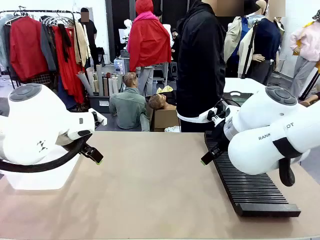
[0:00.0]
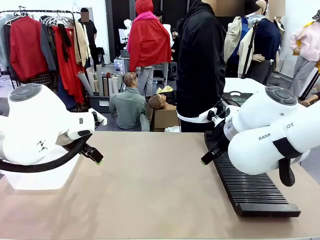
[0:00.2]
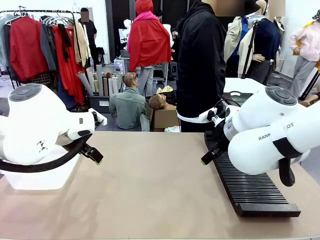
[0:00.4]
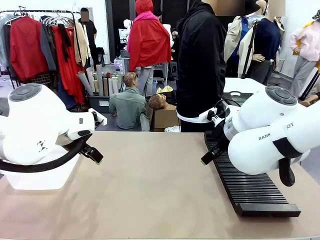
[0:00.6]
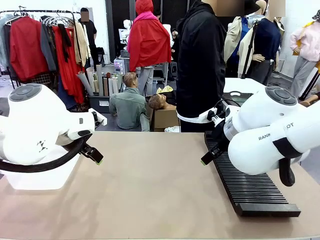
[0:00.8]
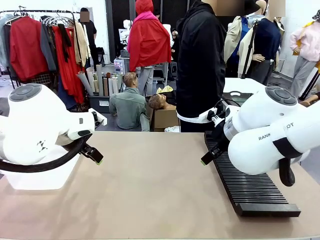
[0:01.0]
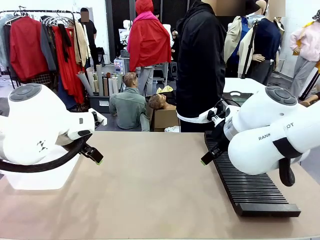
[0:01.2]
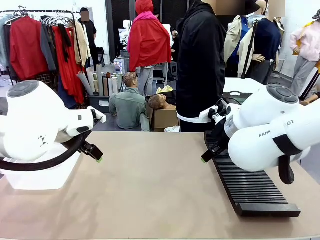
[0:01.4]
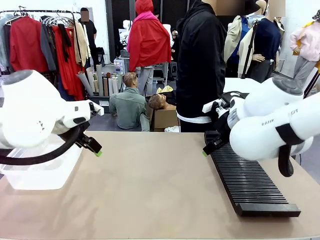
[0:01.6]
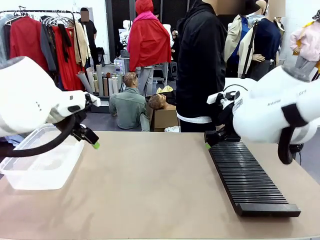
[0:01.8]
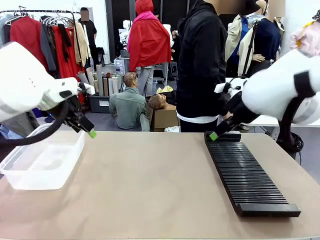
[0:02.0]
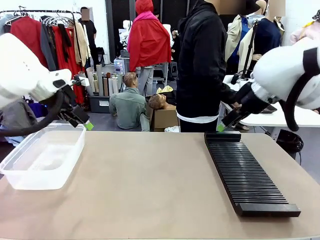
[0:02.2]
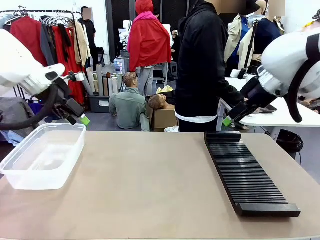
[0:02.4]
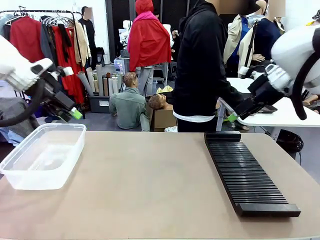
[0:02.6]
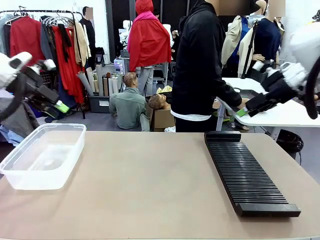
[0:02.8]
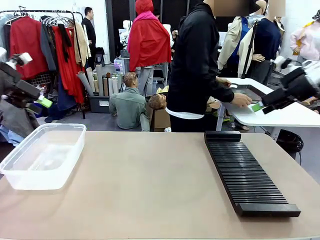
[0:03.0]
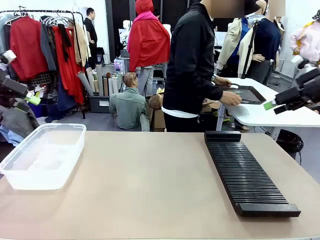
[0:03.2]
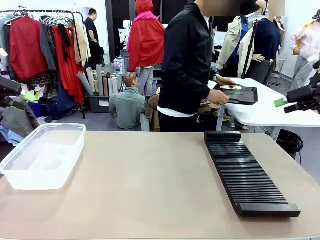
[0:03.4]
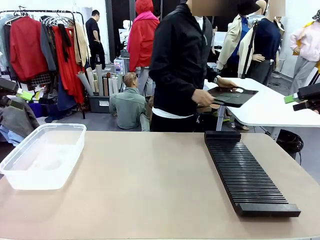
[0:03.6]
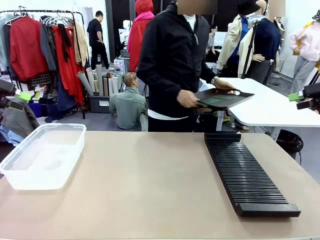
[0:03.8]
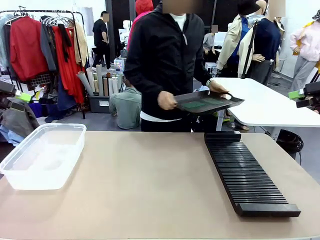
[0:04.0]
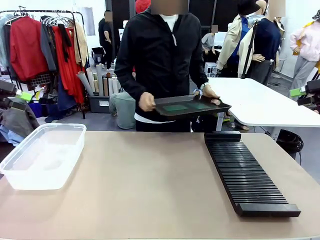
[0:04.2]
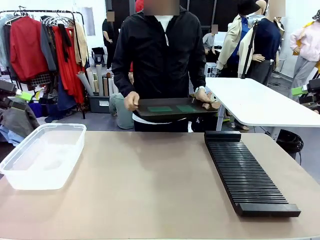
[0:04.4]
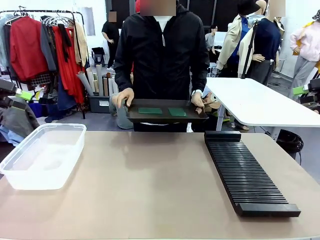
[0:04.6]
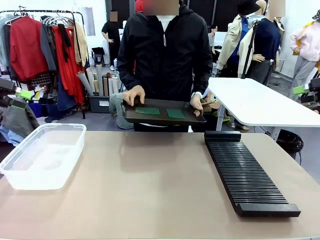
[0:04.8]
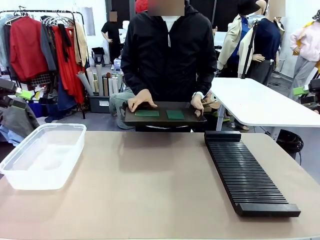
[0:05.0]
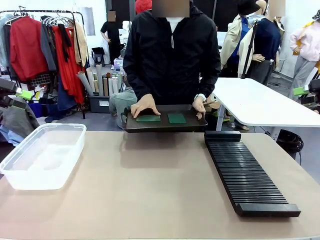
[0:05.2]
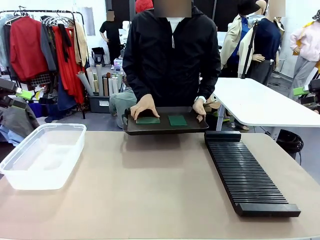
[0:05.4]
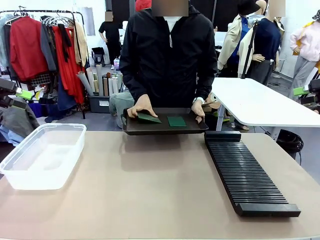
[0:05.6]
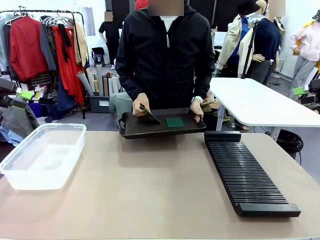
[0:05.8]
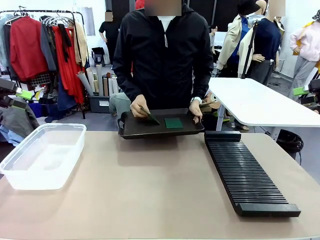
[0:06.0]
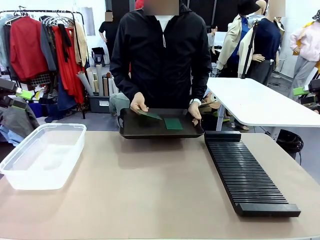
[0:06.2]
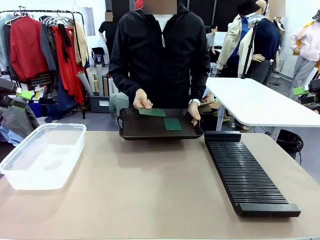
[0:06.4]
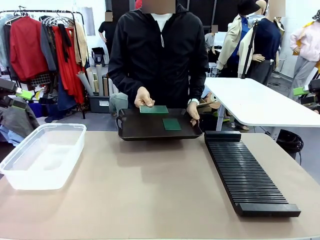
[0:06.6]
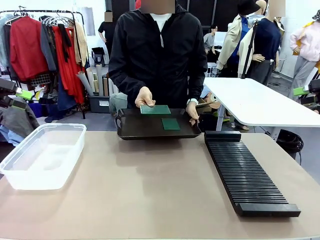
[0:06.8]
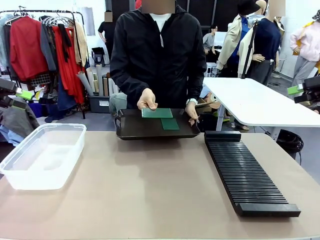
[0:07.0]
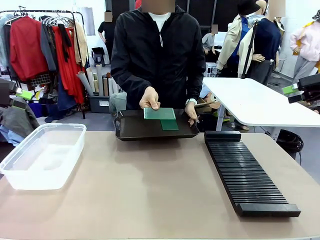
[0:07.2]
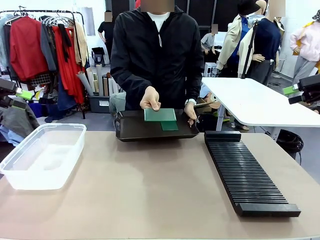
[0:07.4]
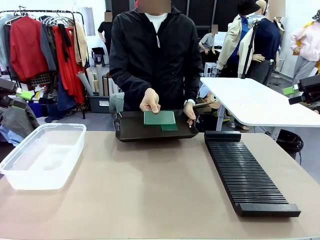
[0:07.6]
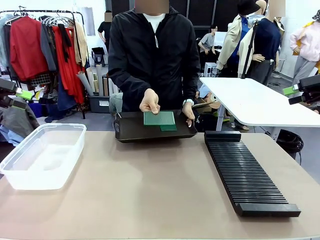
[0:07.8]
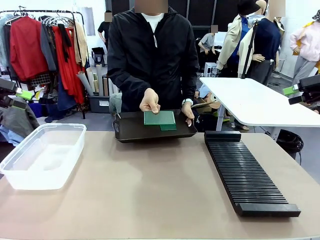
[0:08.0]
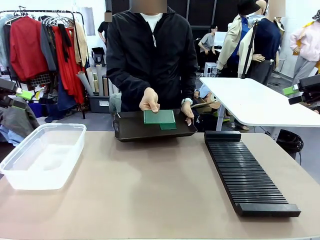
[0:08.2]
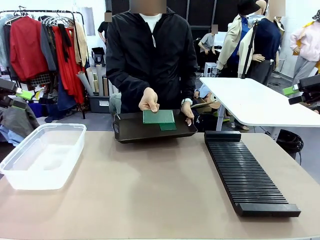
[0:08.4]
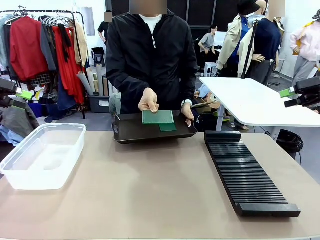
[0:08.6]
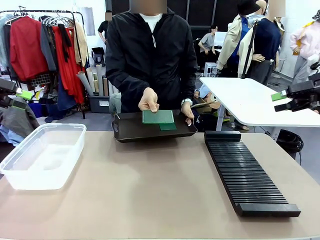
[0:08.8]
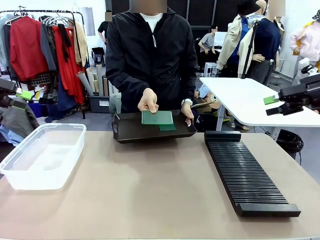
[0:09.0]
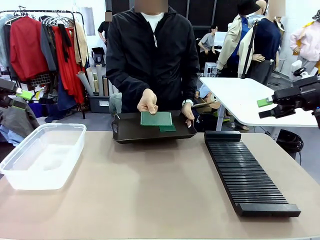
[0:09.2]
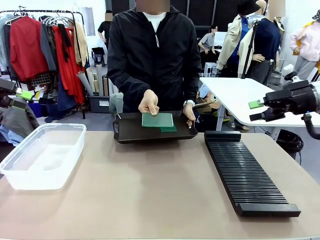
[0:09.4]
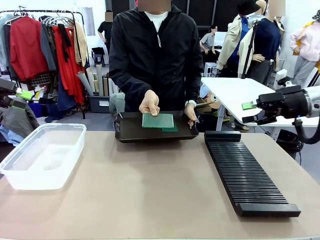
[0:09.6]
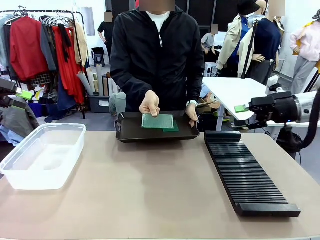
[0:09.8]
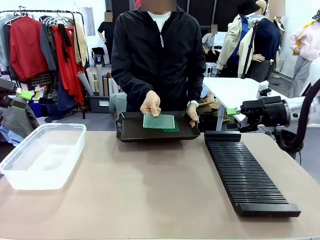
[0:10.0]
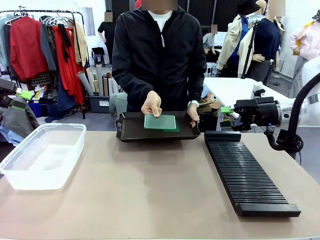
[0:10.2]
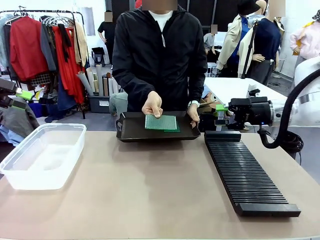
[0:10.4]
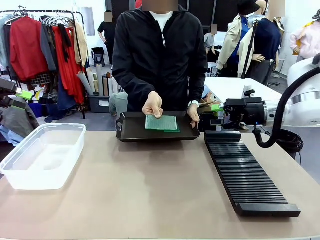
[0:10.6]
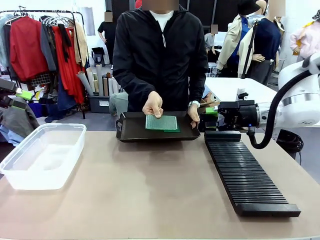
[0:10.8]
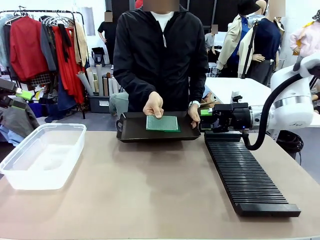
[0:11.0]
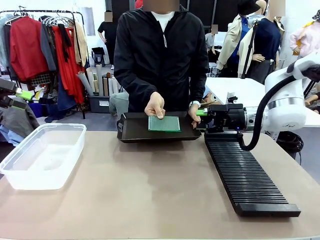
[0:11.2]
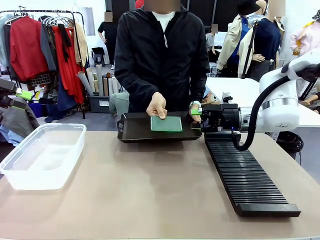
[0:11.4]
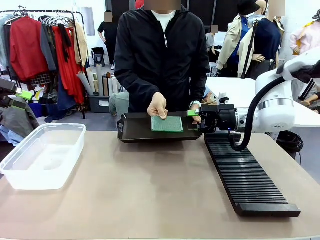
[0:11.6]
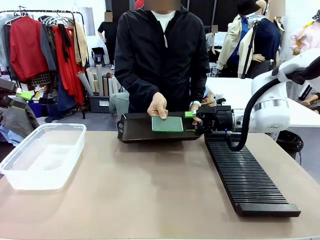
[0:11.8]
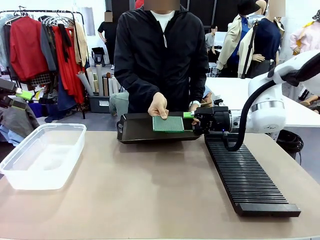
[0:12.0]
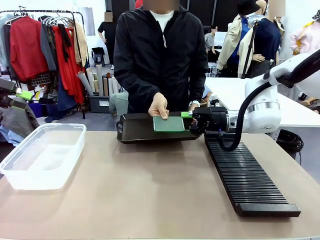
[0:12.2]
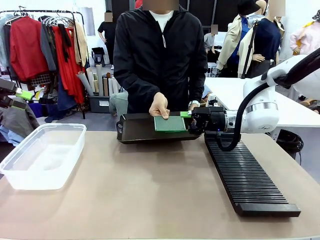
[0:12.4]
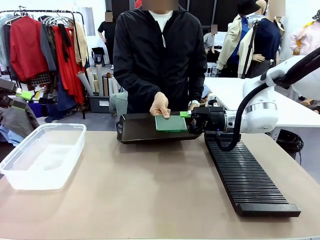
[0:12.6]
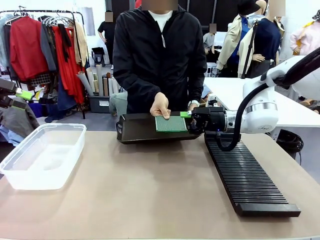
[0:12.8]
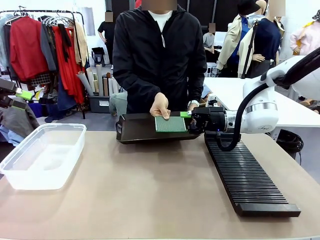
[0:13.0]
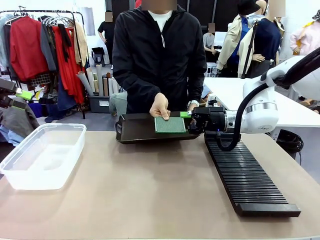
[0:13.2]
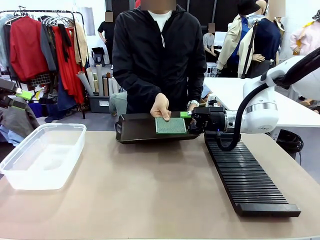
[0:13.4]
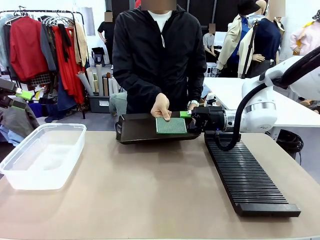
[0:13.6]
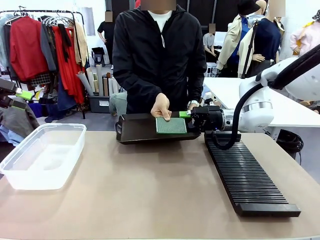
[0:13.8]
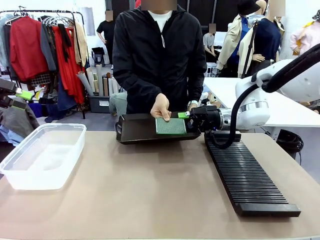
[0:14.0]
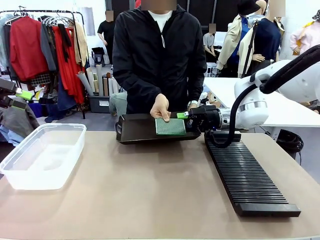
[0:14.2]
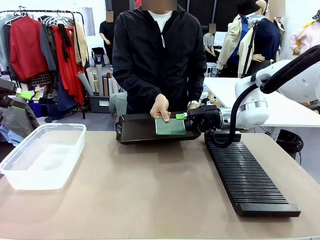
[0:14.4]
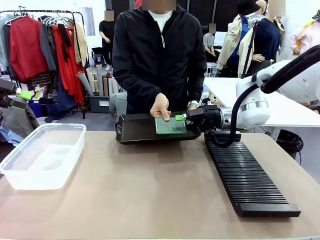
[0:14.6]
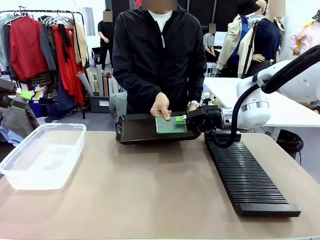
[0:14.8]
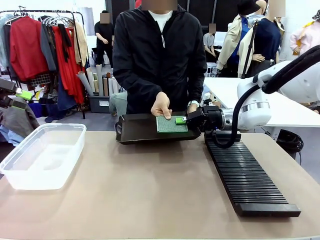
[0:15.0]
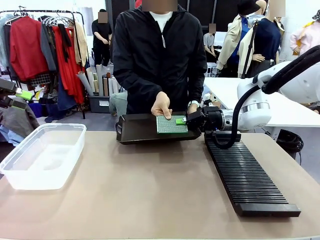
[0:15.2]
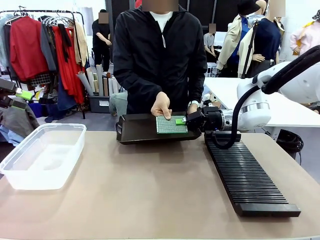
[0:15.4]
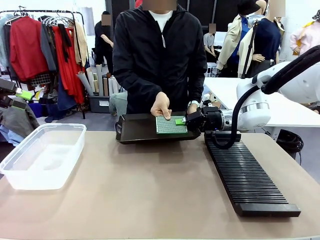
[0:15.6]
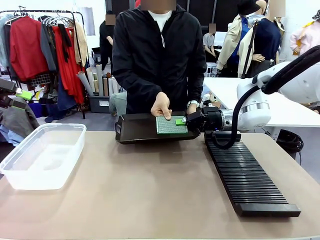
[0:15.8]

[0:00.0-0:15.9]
Task: Sort PCBs into racks and boxes based on the side picked up.
Robot: Pick up the Blank PCB handed by the Human.
Person: Pick one PCB from the tray and present it to the robot. Release the PCB being held.
